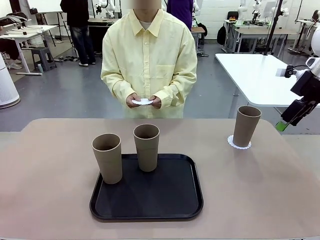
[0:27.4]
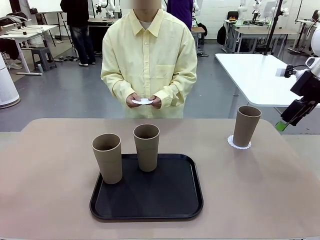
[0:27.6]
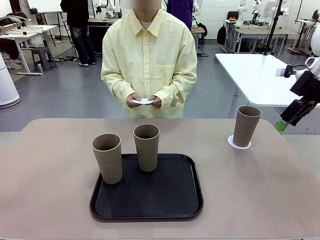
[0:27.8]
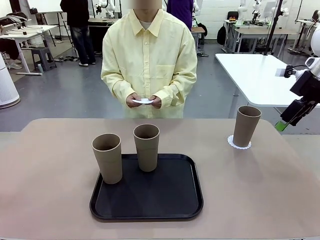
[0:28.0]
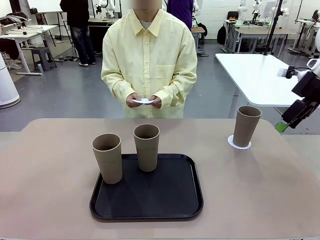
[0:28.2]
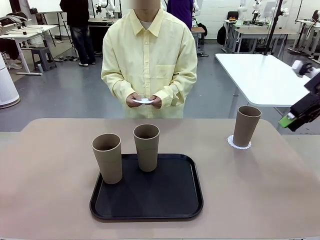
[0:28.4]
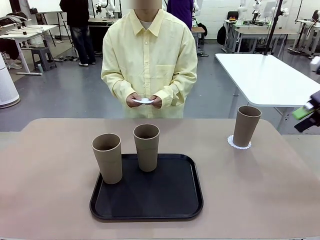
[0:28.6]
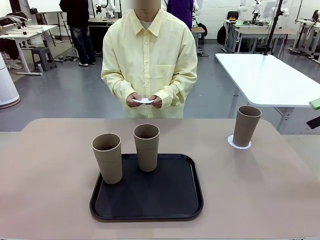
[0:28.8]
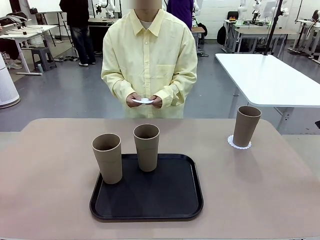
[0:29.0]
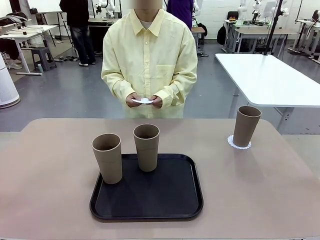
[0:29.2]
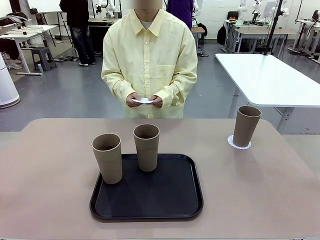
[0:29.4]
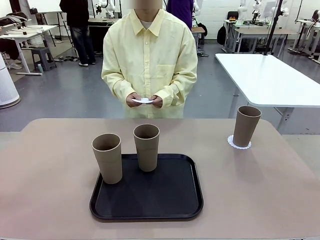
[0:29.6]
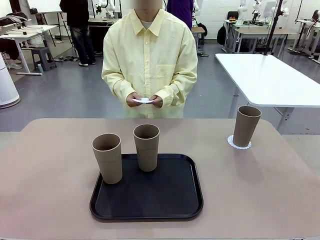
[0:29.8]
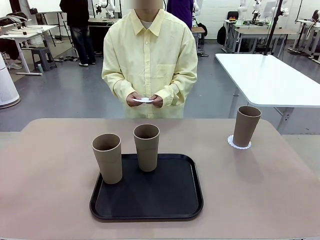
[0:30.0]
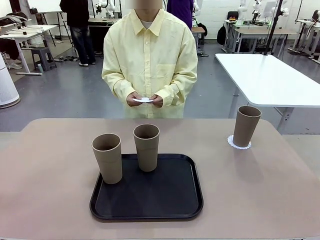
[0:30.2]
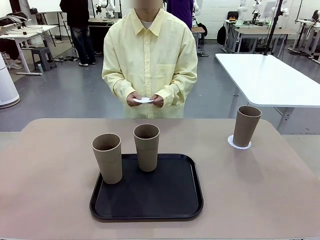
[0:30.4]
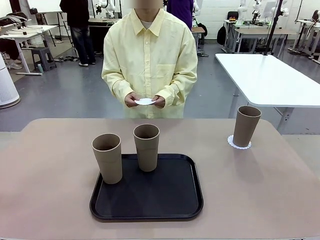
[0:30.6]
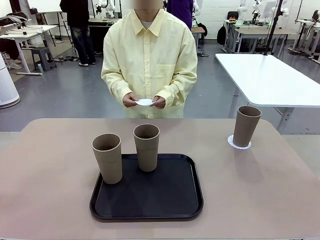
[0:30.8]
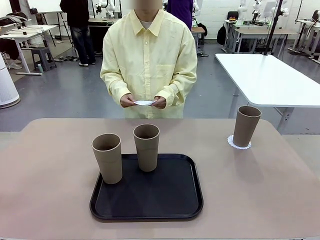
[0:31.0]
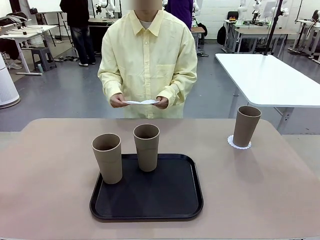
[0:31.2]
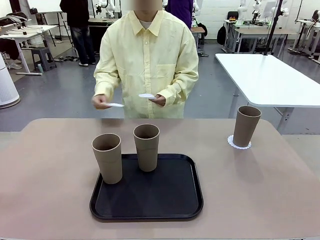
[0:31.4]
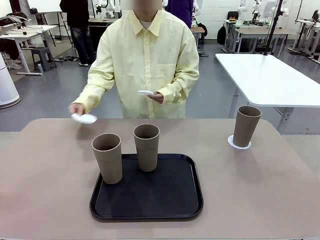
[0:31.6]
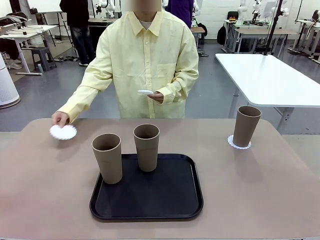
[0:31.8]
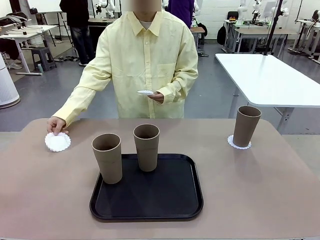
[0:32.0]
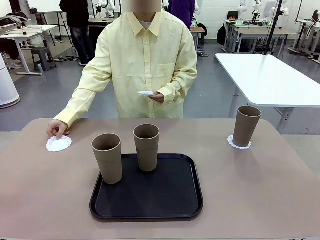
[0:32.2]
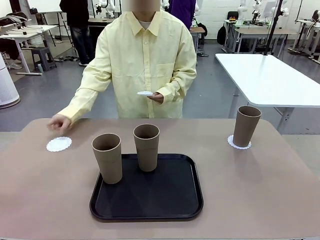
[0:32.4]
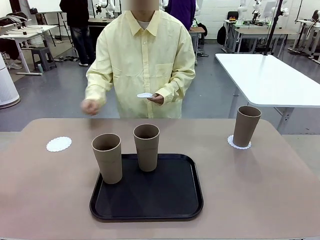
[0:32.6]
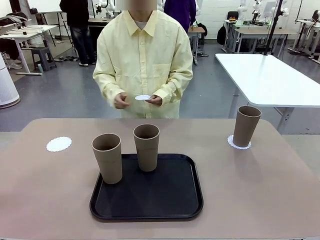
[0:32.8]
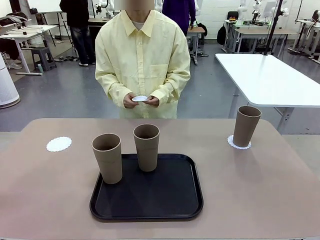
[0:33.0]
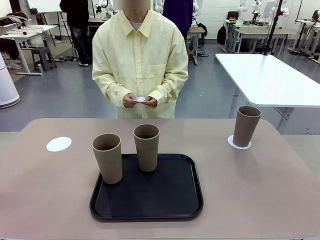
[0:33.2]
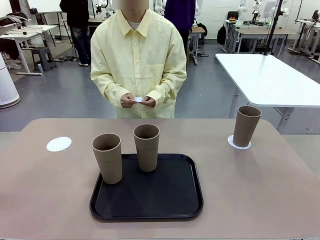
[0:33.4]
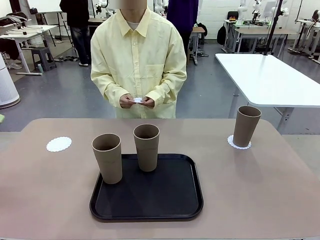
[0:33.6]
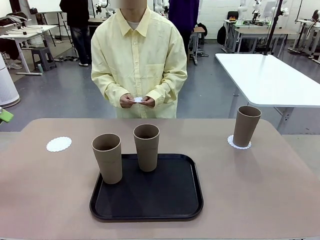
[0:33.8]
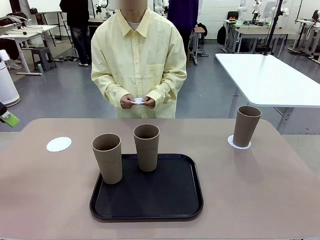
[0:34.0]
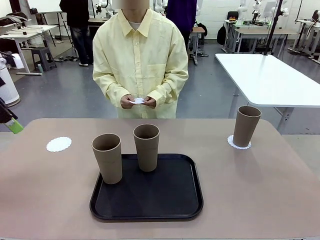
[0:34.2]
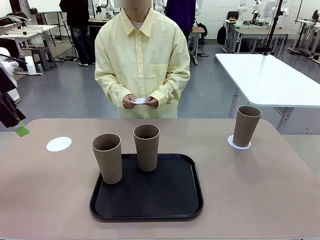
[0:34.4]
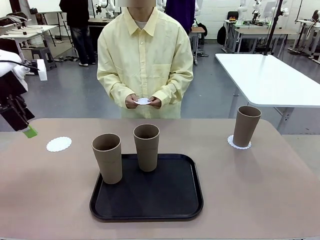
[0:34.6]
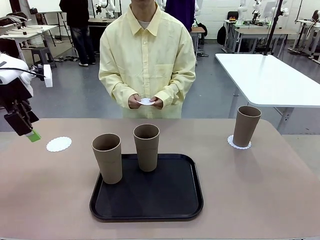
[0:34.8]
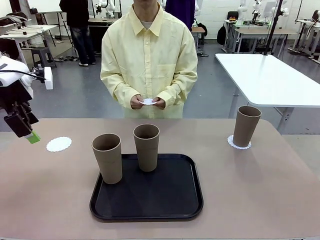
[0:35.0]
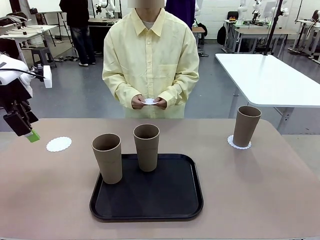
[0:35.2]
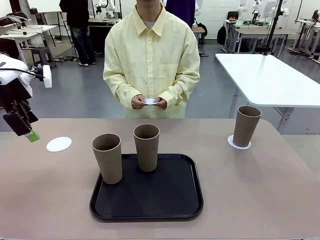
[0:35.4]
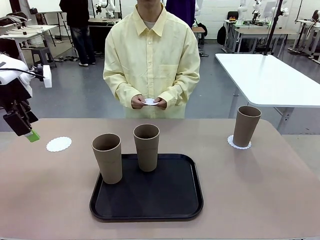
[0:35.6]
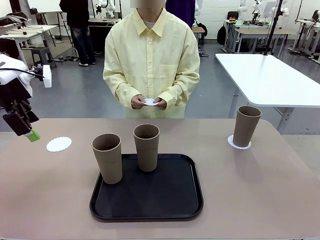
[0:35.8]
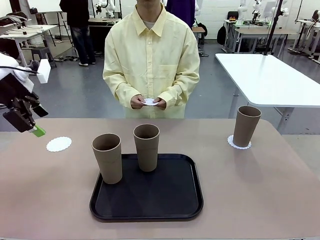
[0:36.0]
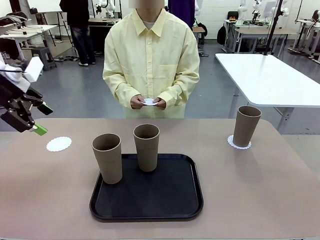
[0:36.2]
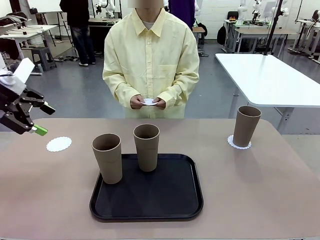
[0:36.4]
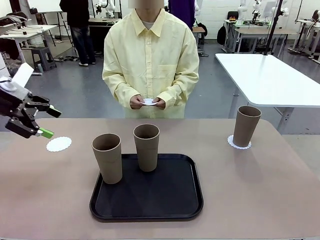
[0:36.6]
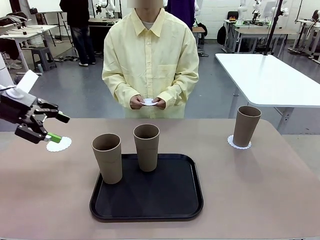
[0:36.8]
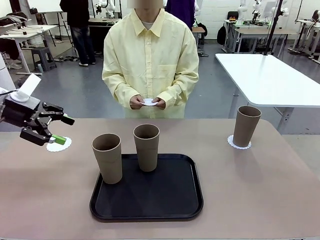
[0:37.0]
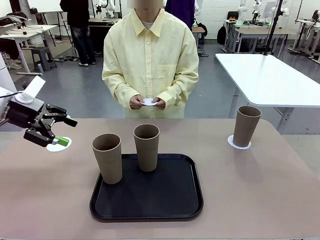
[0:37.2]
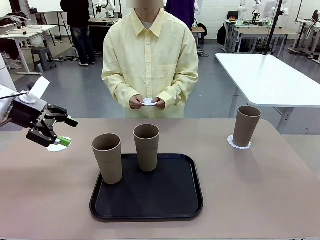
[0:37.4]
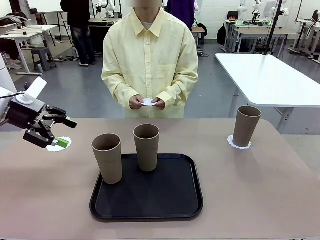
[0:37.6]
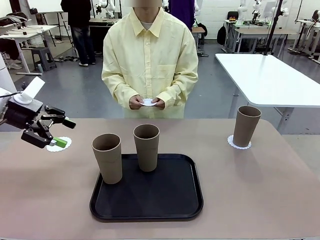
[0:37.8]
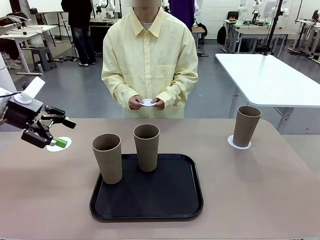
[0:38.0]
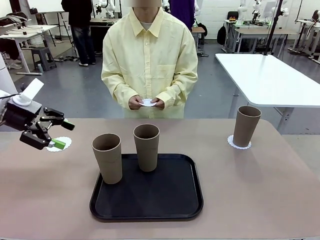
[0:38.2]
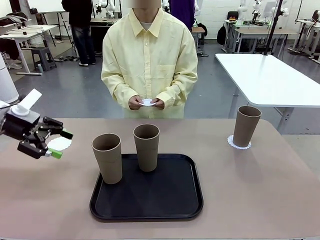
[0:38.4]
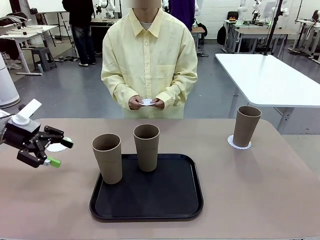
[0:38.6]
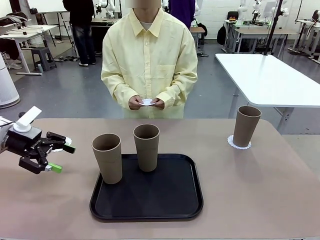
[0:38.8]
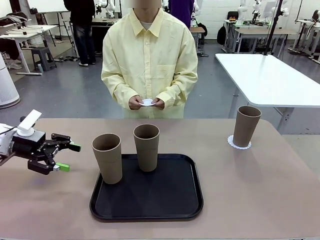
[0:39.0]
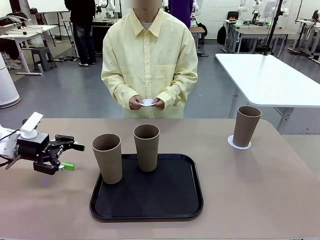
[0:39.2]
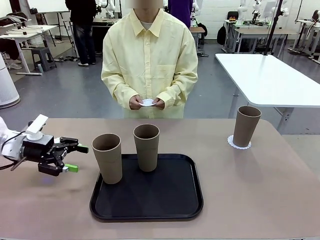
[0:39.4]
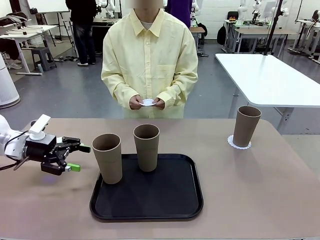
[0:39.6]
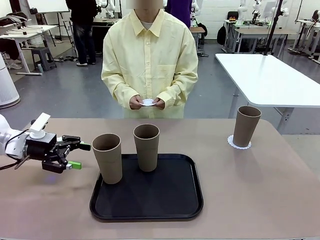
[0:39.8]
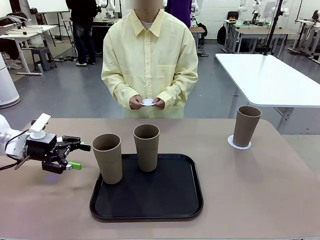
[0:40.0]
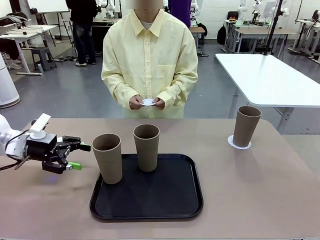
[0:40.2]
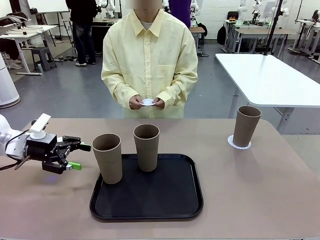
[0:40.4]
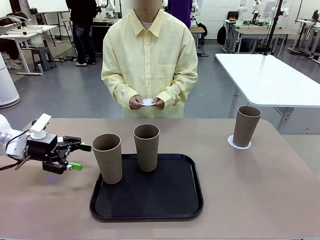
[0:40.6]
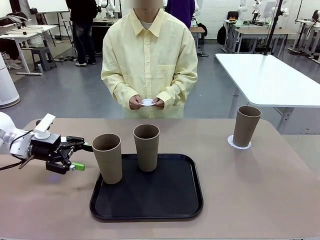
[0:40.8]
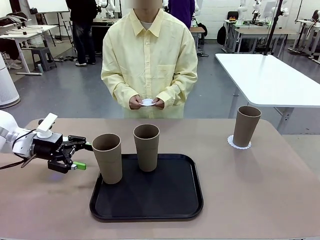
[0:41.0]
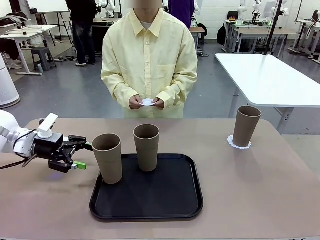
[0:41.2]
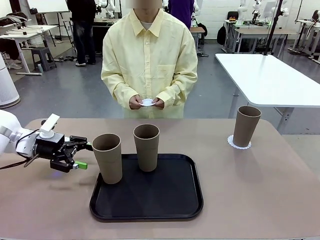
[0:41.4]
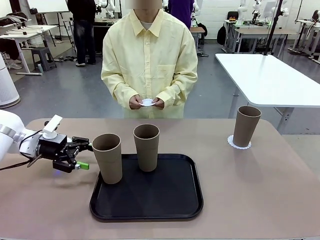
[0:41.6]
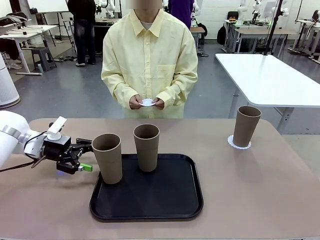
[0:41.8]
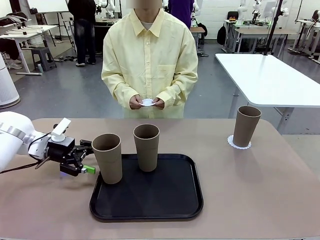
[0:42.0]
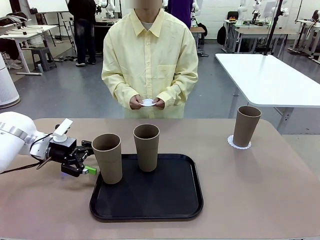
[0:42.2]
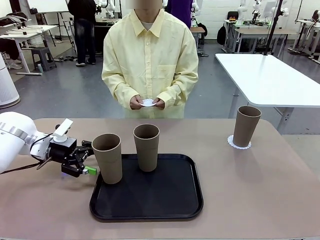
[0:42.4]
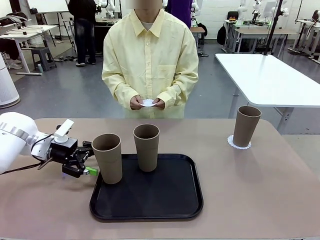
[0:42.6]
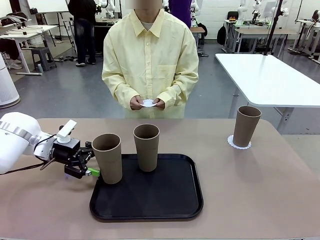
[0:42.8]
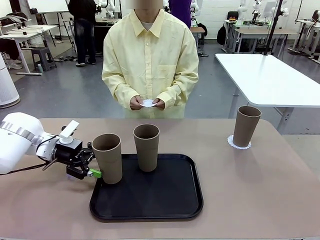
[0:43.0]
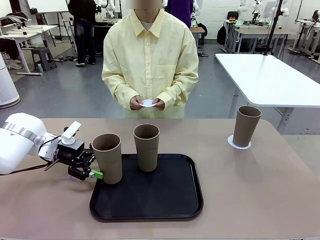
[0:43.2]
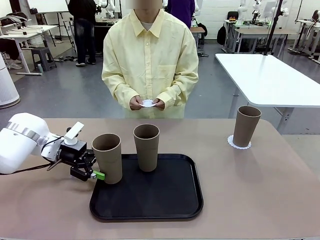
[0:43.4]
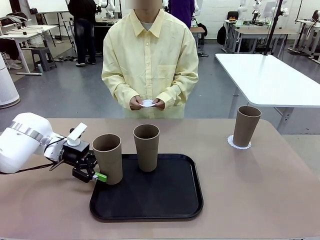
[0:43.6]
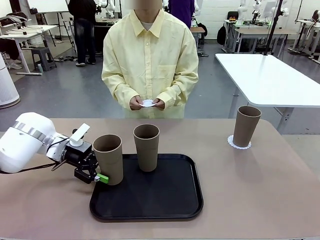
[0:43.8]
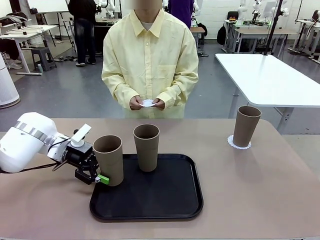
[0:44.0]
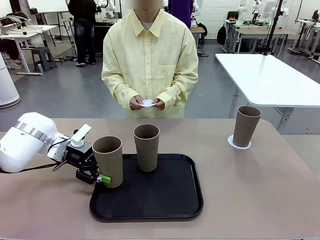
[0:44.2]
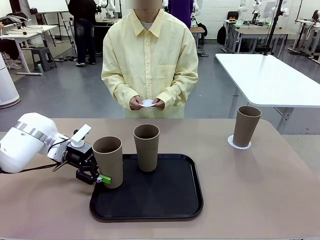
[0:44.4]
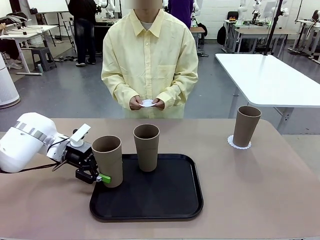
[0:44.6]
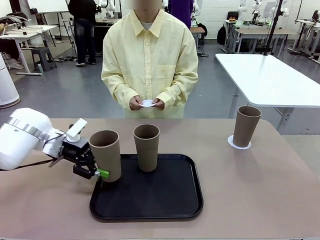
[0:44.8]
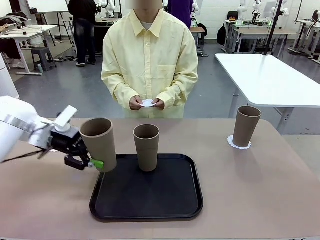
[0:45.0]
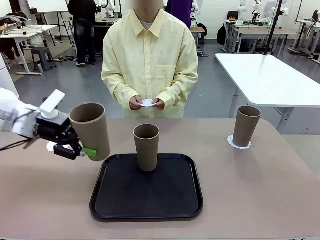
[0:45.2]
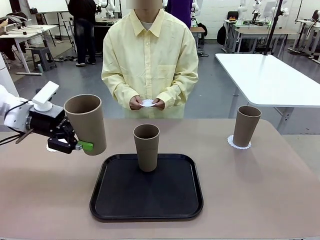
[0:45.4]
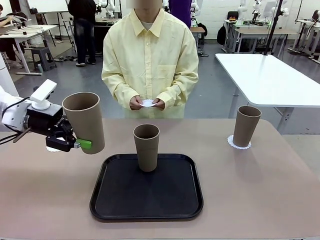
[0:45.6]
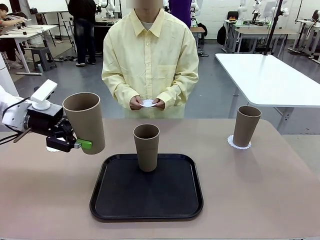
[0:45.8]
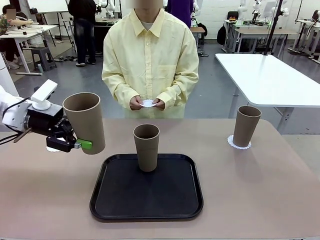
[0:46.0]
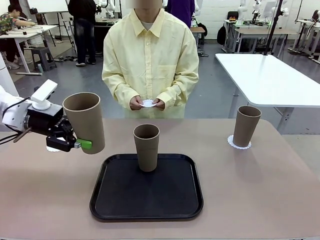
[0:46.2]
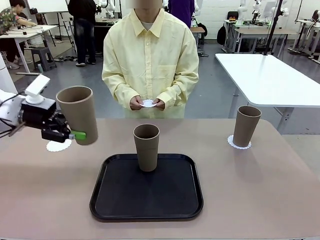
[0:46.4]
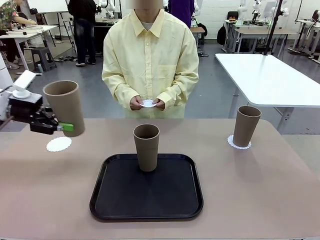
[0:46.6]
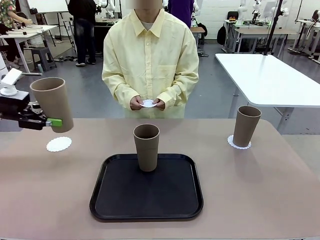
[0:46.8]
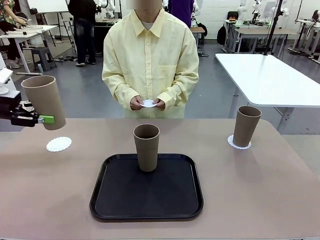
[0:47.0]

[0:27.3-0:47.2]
Task: Place coasters on the table and set cups on them.
Robot: Take one Reusable plastic cup from the Flat Tray and place it on a coaster set by the human.
